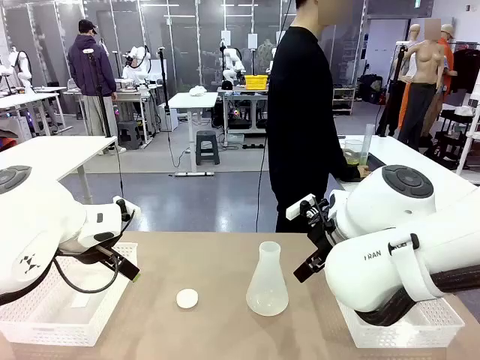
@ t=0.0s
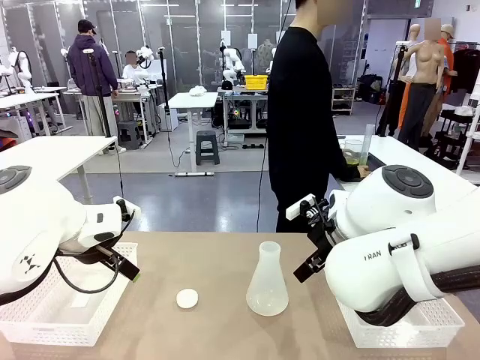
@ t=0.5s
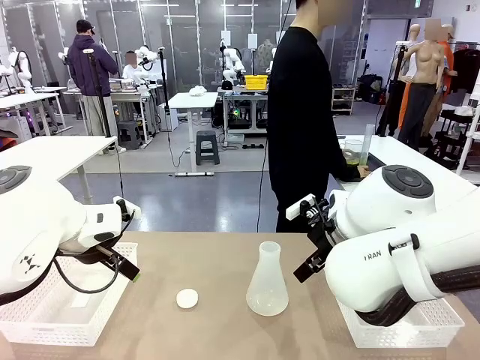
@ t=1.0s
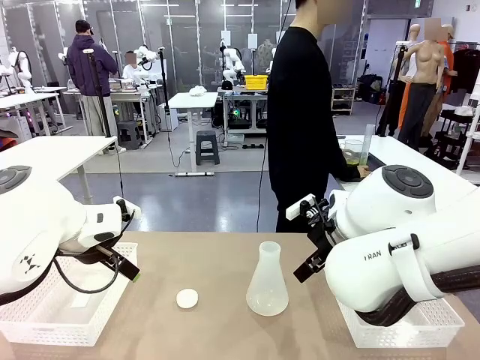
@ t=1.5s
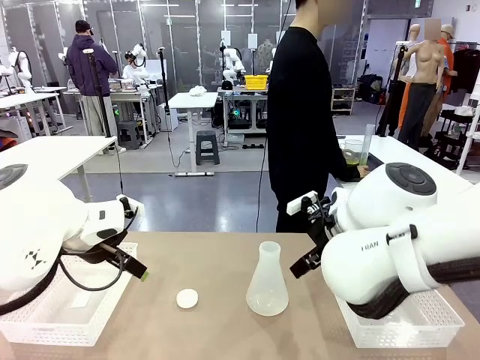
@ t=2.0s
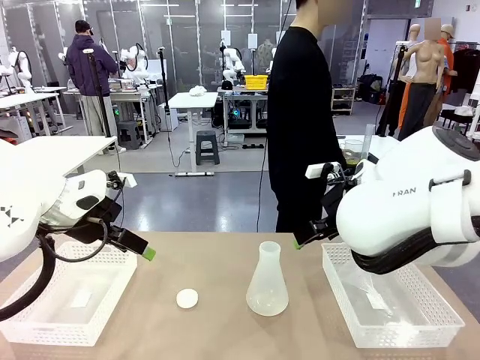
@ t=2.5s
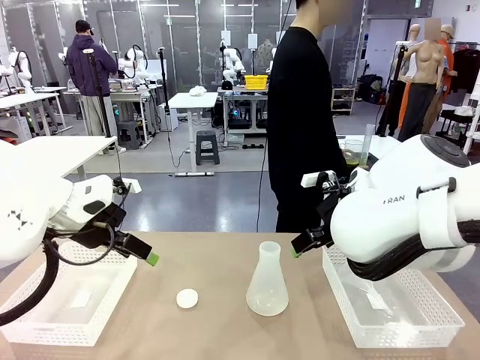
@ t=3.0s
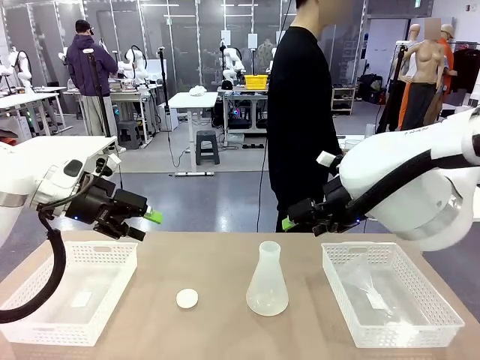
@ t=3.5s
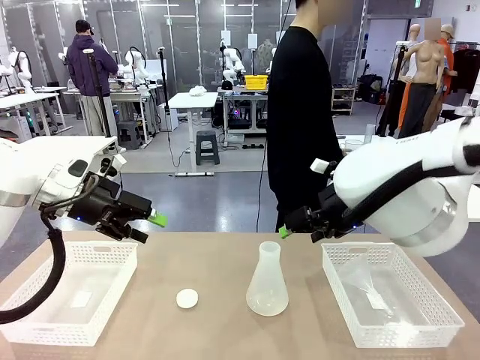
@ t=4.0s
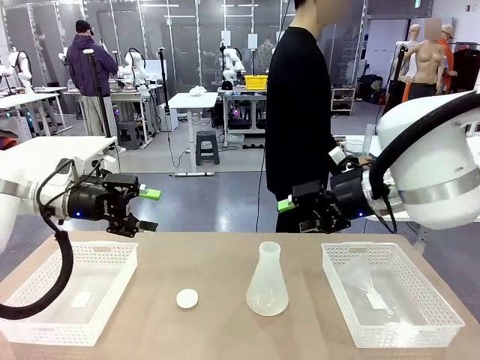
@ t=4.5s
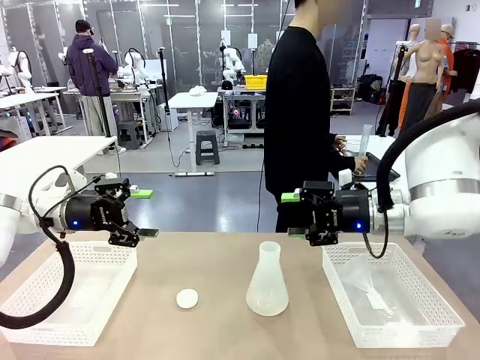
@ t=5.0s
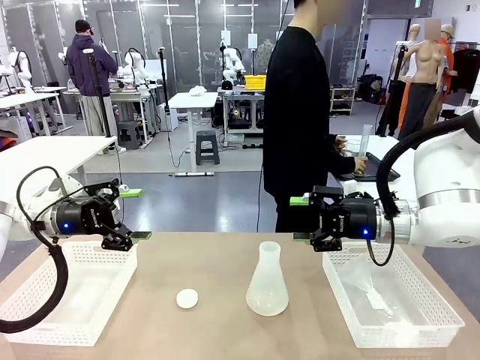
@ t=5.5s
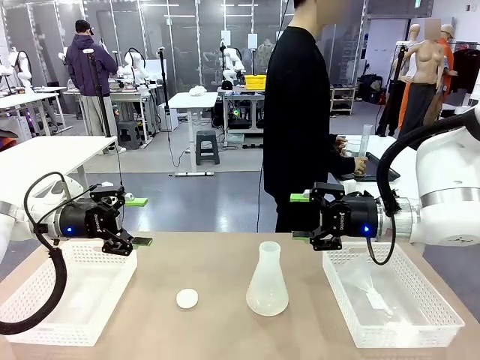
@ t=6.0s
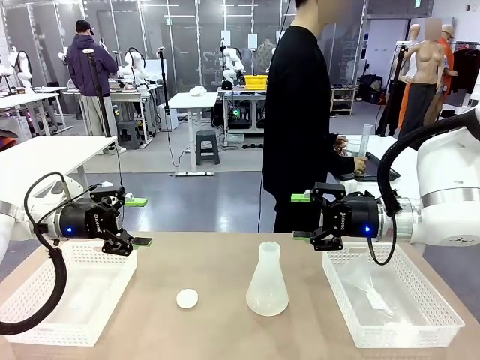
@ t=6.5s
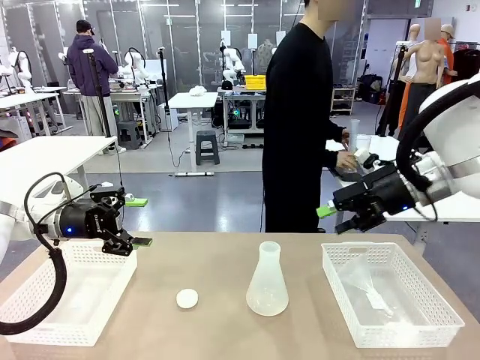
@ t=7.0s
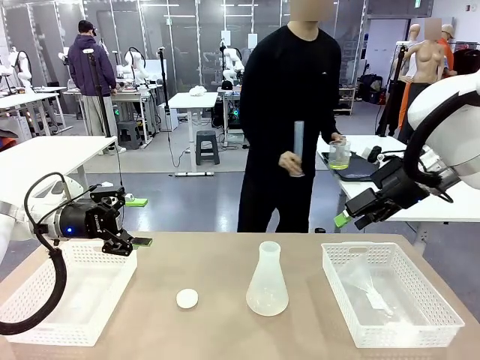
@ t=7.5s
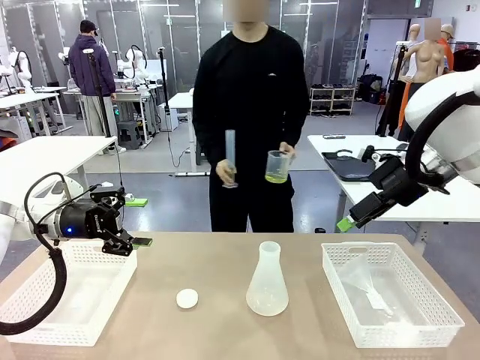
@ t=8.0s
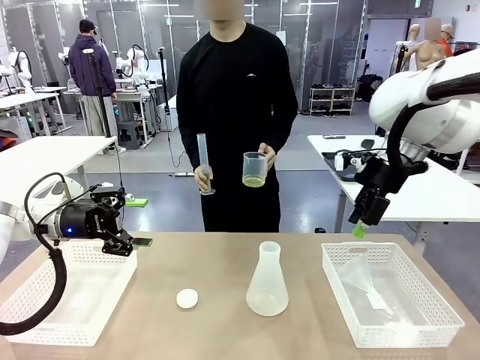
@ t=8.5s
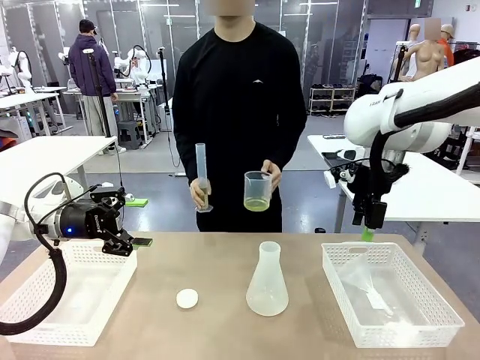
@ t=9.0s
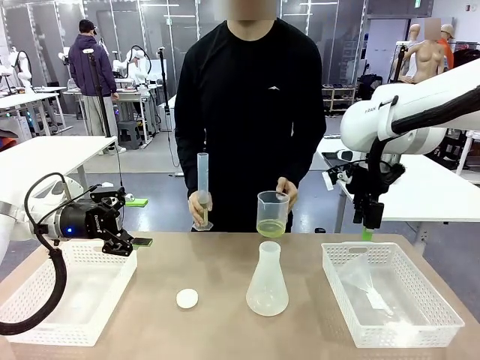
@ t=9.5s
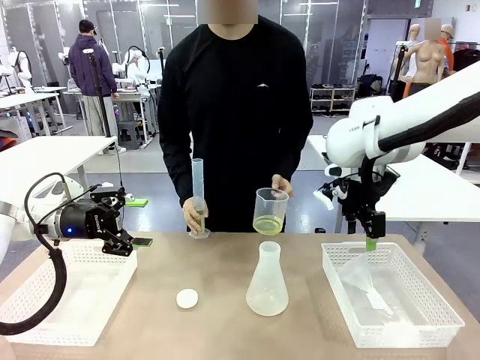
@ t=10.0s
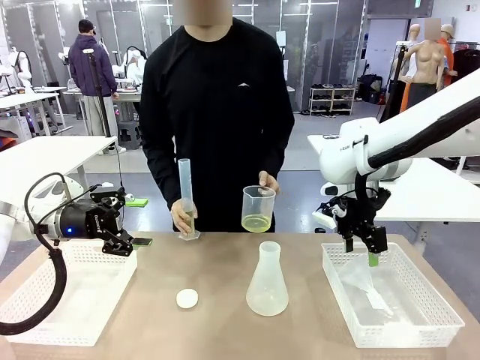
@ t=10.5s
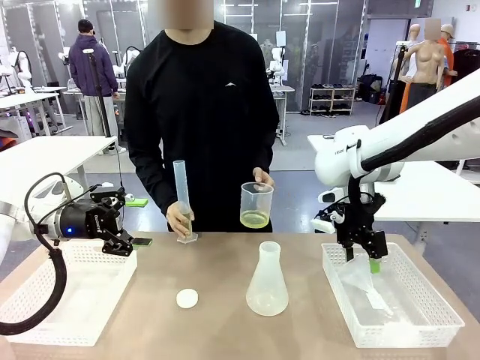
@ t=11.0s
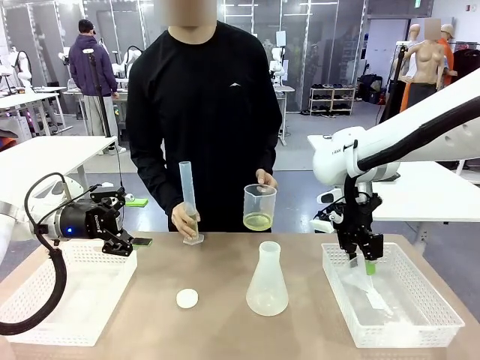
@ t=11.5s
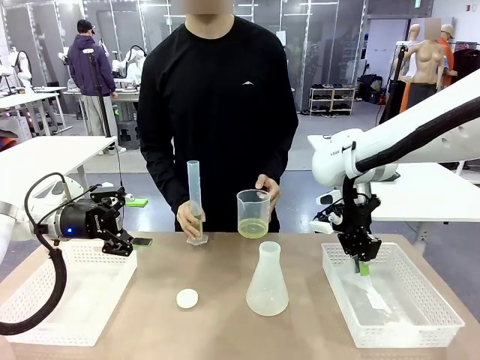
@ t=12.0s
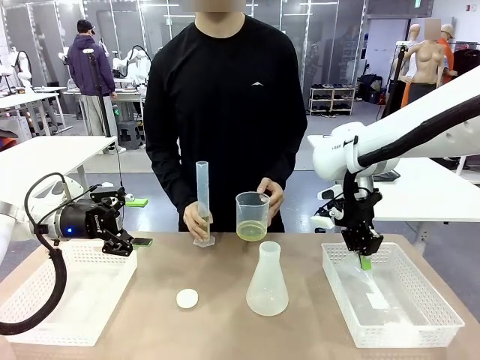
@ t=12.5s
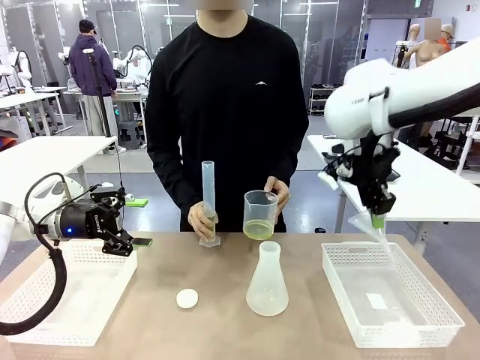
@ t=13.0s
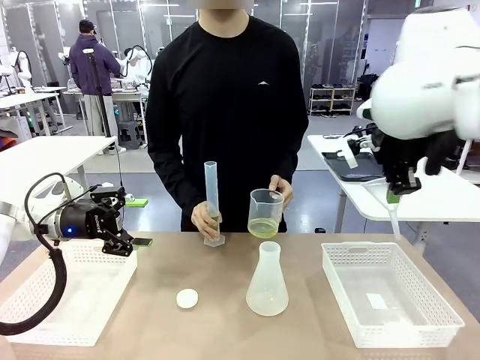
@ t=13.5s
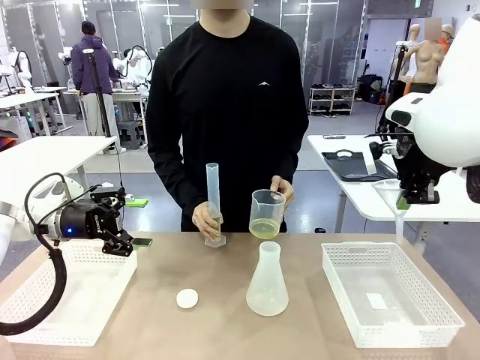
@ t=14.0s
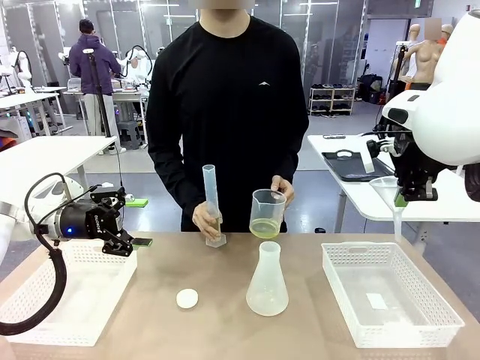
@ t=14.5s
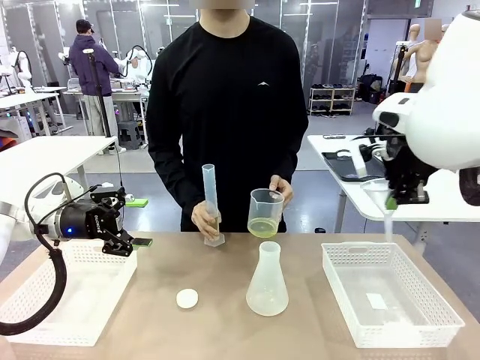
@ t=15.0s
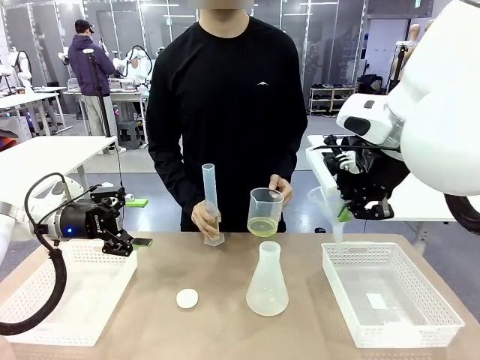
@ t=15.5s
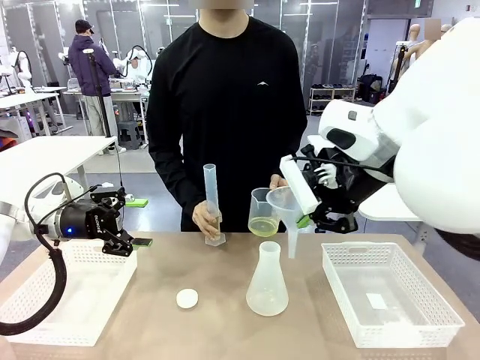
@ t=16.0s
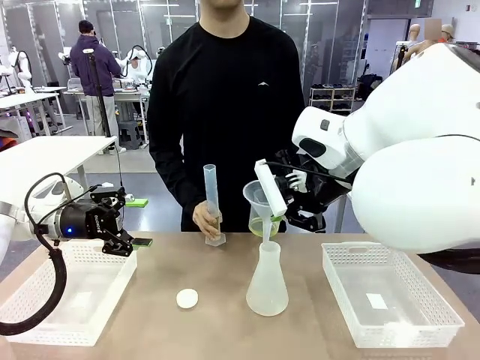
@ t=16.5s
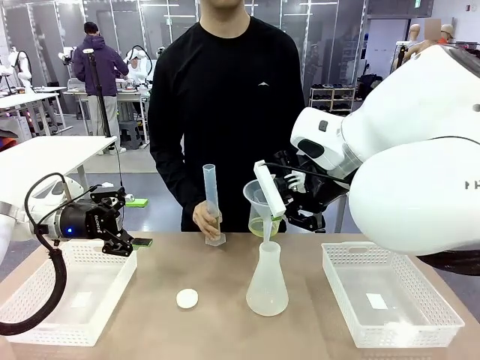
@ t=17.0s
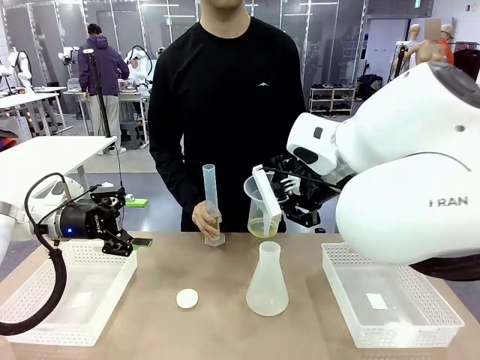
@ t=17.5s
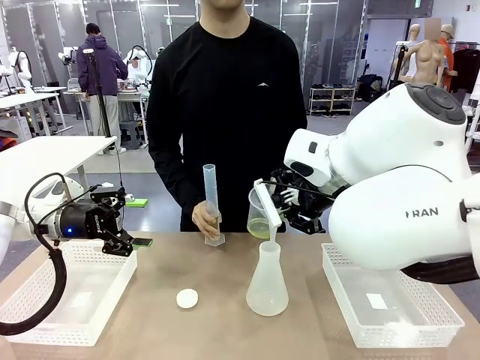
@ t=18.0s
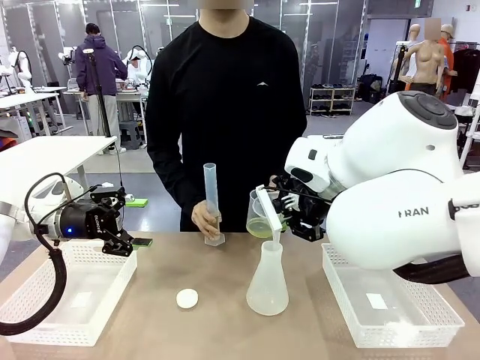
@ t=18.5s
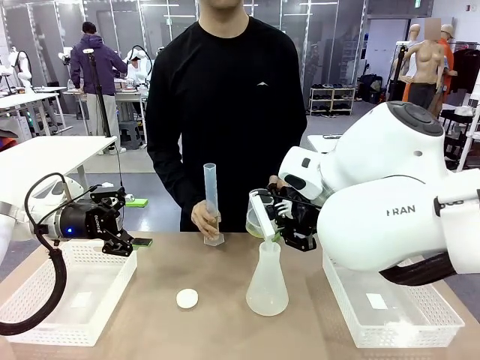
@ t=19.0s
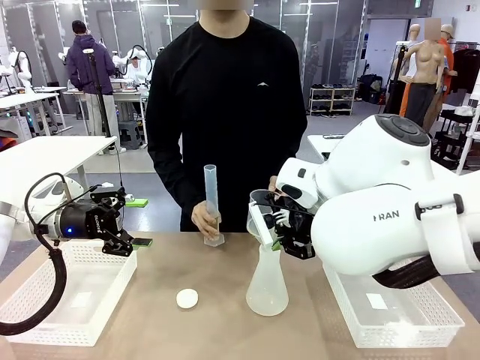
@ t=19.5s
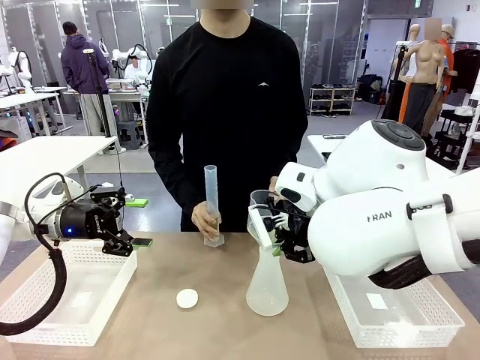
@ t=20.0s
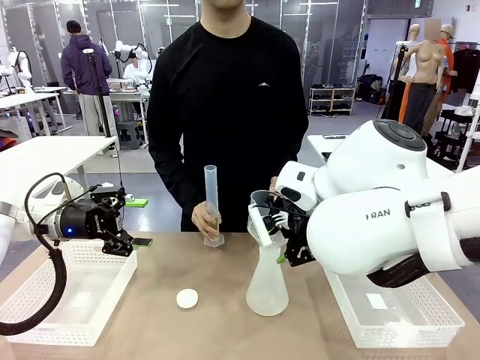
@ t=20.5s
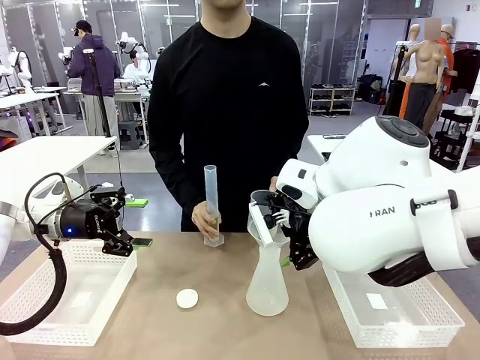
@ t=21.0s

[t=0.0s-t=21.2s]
Task: Prepare the solutions needed for the experiment.
Robot: Pick up the Plastic Funnel and insert it into the Big flask.
Person: Pick up the beaker and the cylinder and move to the middle of the robot table.
